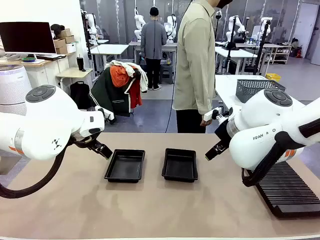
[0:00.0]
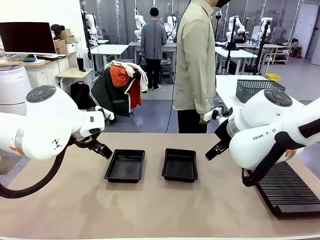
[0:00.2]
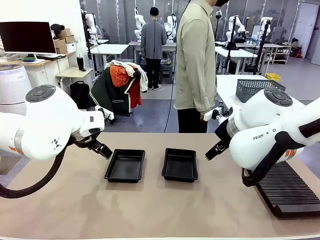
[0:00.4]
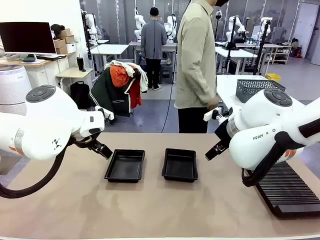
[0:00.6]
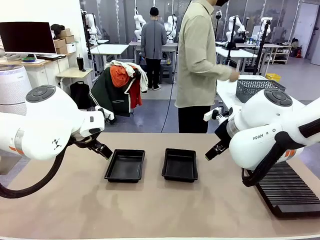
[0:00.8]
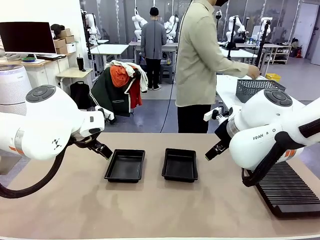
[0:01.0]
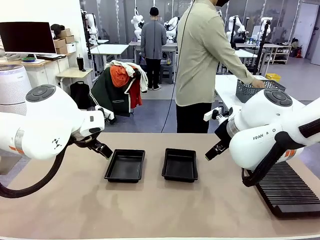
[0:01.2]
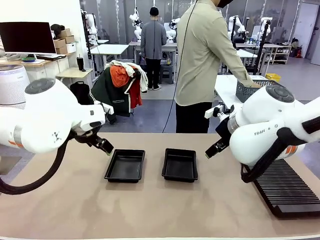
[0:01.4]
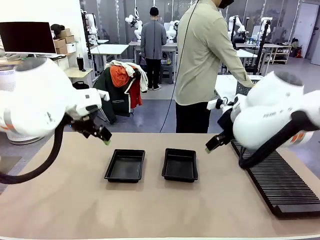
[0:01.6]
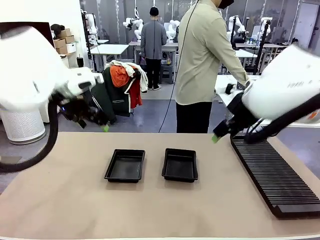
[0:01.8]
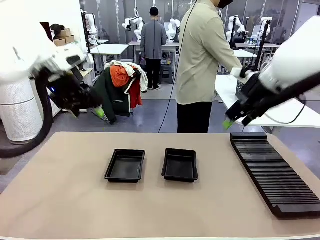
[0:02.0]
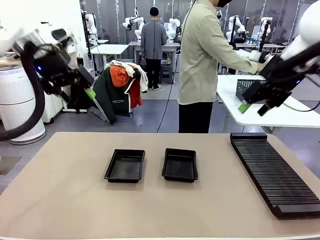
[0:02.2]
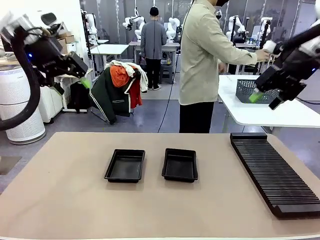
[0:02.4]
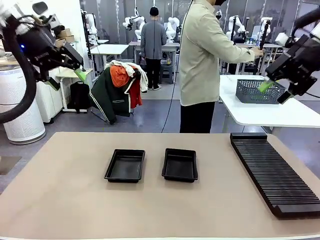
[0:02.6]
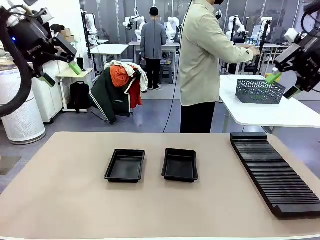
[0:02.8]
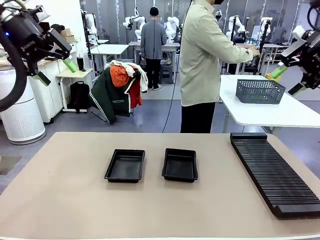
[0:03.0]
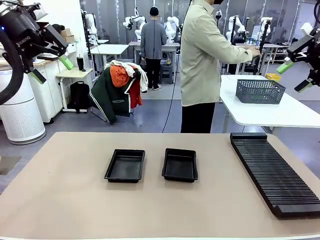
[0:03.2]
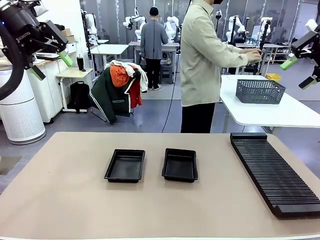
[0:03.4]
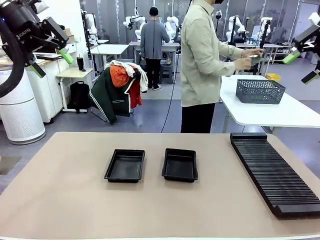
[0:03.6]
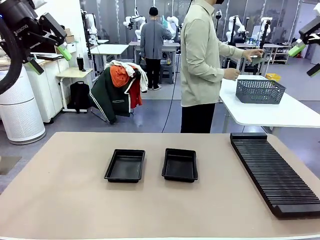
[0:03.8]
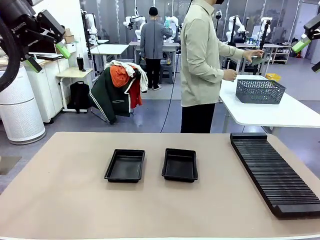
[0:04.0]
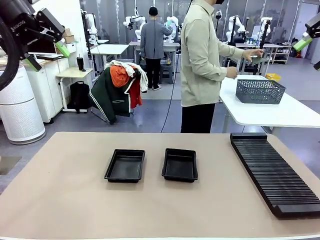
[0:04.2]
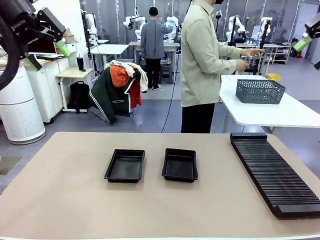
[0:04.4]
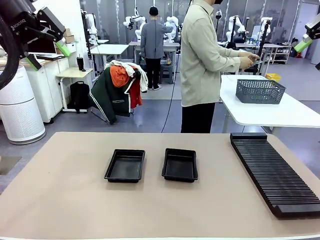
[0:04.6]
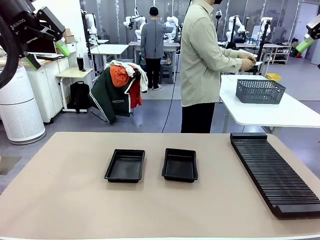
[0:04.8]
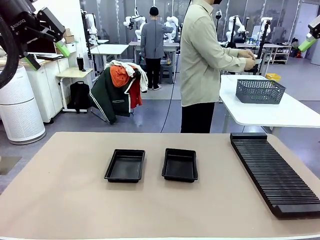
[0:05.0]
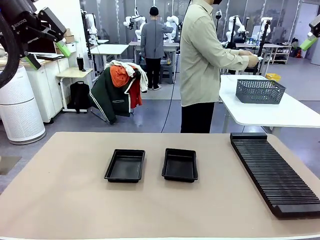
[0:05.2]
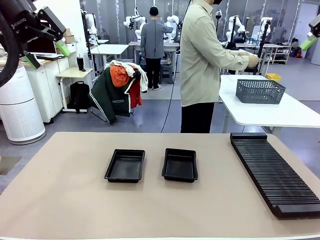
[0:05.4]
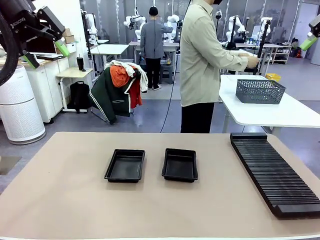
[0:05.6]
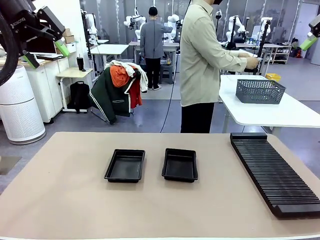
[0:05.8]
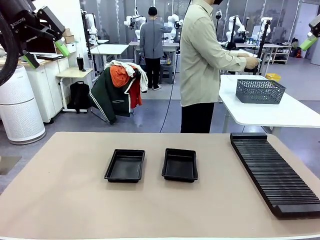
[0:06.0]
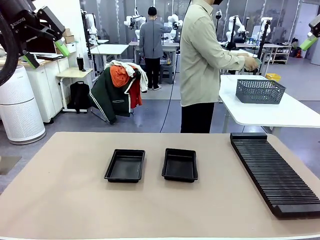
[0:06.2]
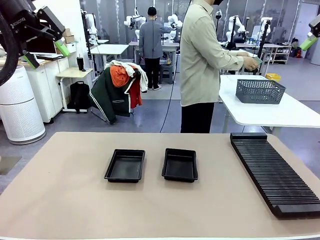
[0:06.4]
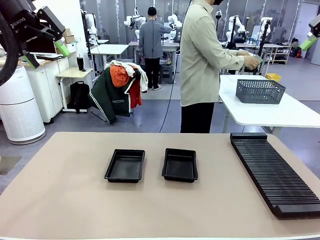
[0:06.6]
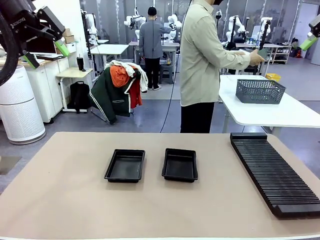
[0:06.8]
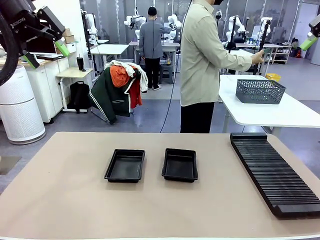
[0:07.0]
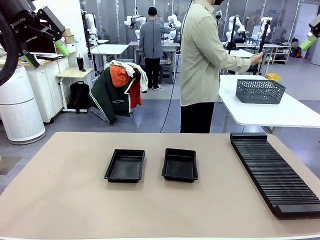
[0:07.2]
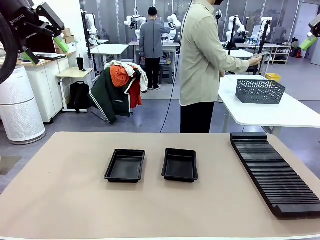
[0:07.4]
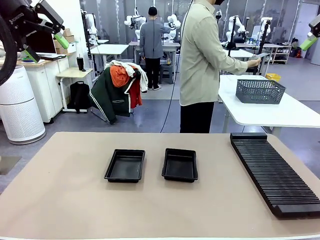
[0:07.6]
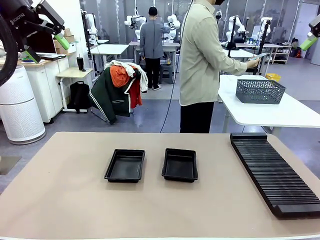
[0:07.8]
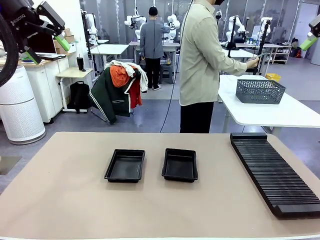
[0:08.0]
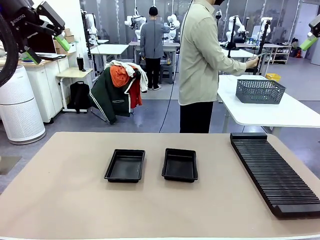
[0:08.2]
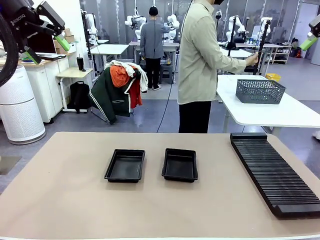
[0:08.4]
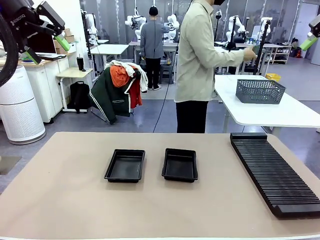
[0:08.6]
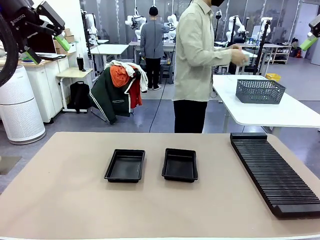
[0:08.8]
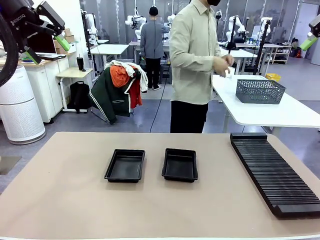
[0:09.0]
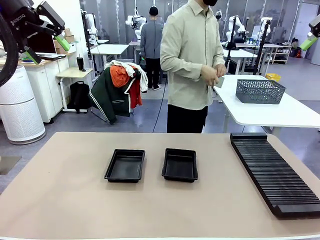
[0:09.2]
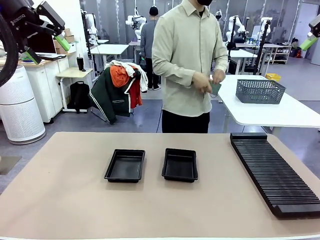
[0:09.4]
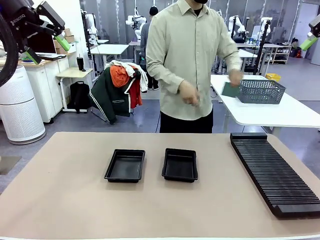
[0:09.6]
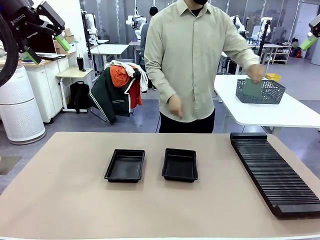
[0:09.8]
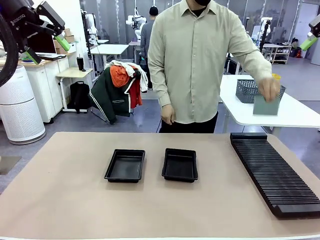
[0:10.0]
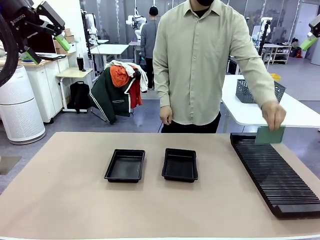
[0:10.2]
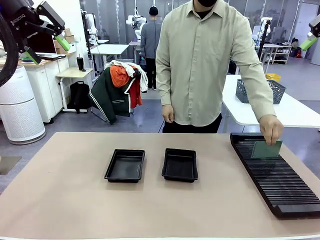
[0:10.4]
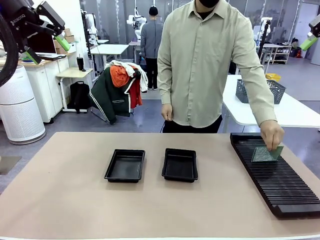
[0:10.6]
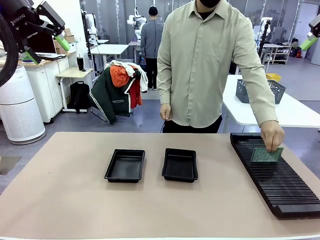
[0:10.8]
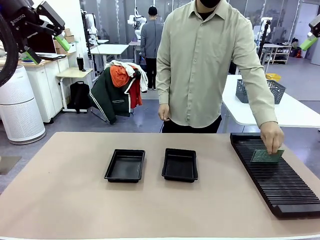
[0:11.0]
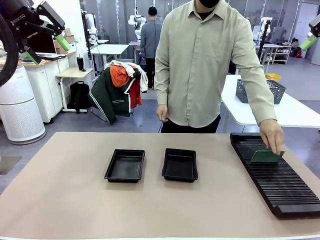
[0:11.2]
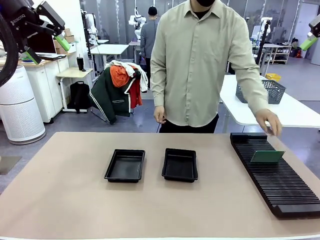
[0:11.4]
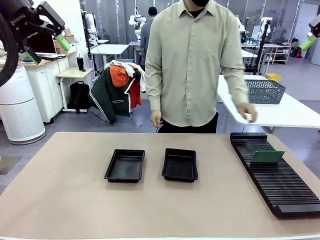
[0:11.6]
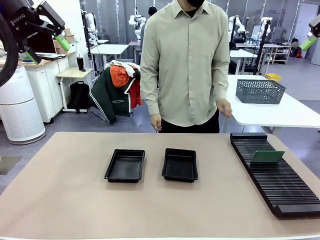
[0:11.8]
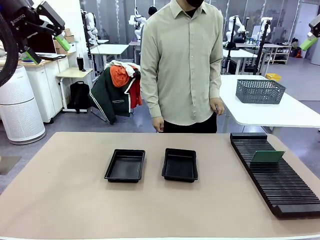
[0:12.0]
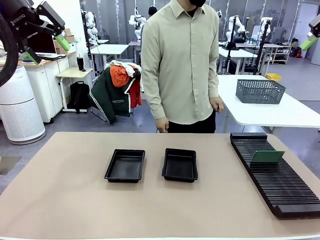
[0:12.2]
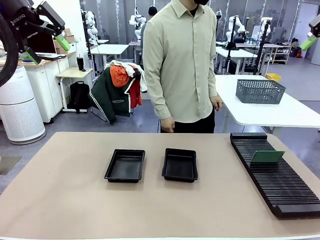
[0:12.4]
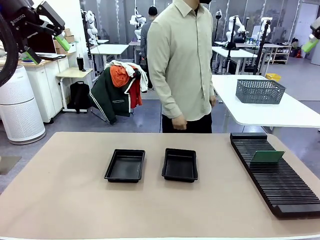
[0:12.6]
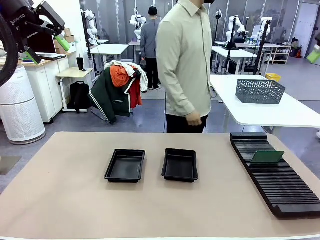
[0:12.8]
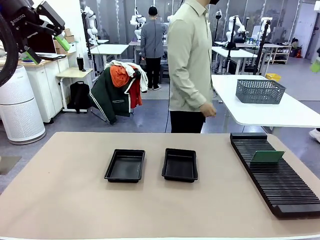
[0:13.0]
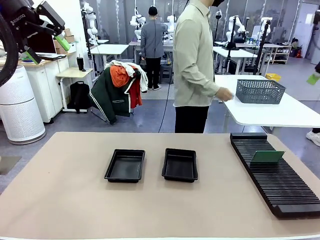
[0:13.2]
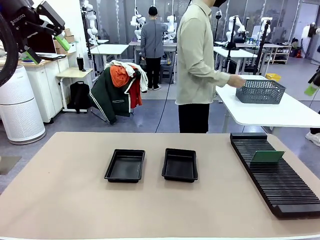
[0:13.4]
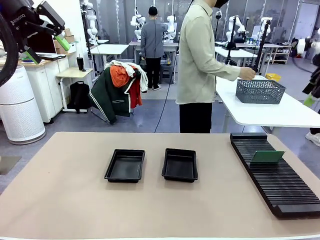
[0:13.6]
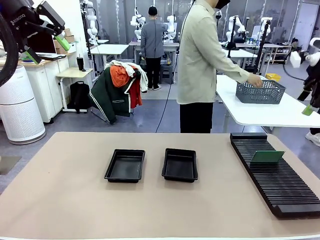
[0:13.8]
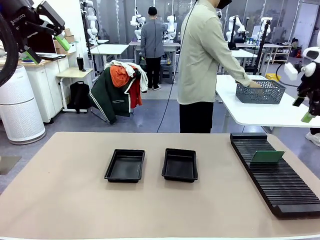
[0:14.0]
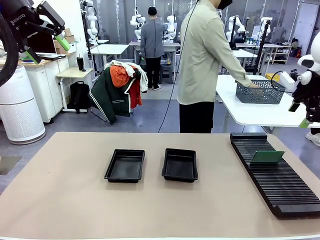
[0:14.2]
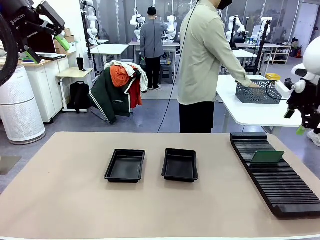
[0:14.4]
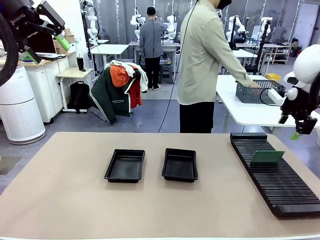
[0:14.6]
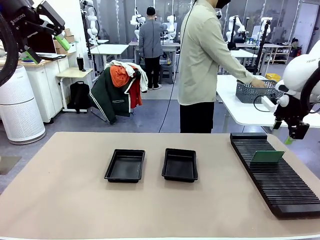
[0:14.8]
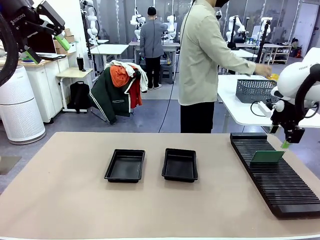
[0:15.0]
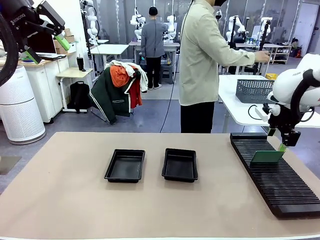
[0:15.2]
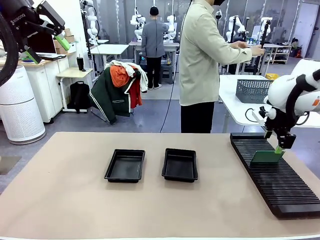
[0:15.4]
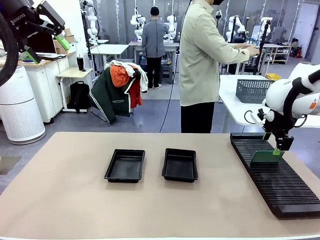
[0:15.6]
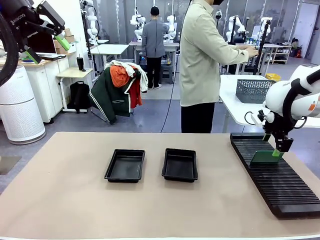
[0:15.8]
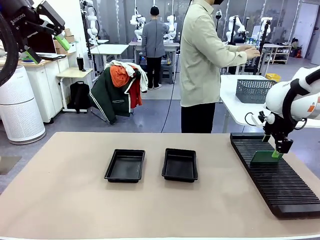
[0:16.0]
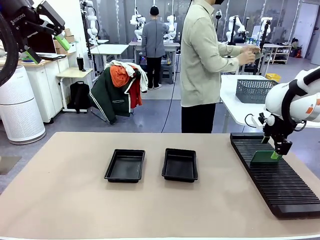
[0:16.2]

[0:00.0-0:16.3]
Task: Inspect and transfer BCBs to ESD trays.
Robot: Pick up the Blank PCB from the PCB Rack and place it in the left ESD tray.
